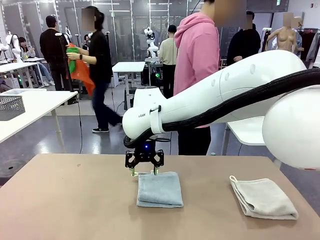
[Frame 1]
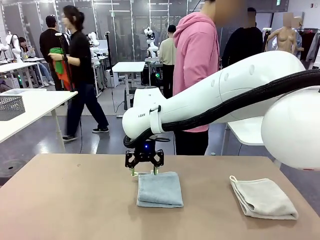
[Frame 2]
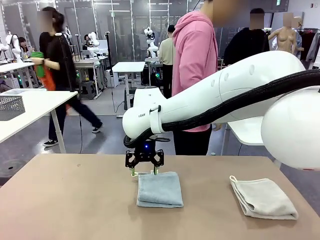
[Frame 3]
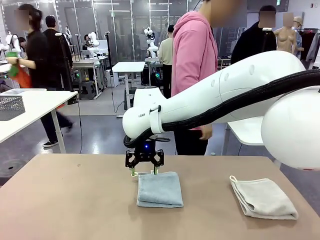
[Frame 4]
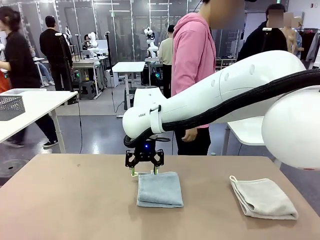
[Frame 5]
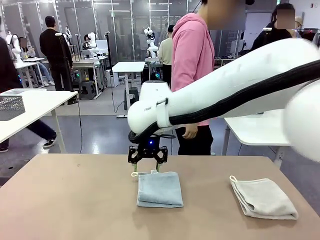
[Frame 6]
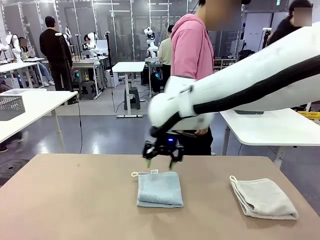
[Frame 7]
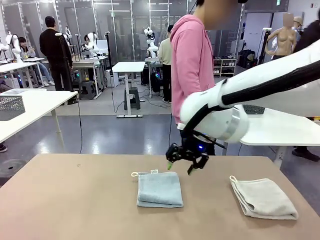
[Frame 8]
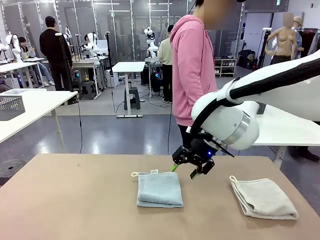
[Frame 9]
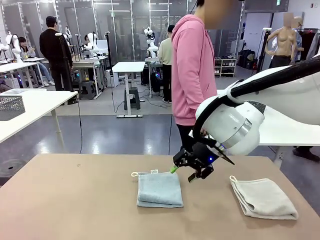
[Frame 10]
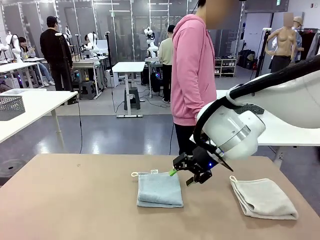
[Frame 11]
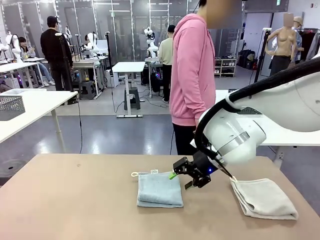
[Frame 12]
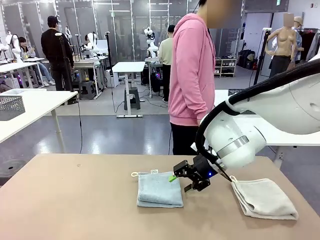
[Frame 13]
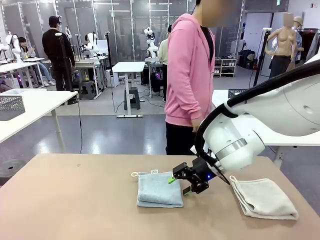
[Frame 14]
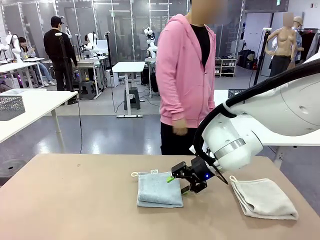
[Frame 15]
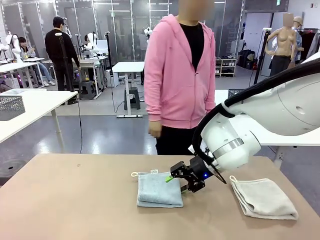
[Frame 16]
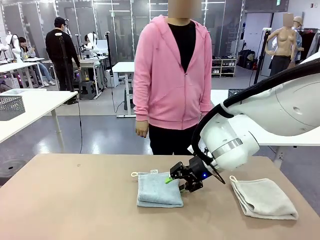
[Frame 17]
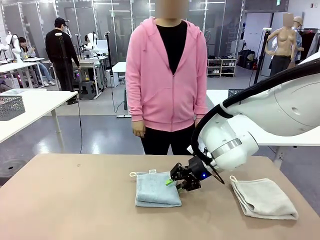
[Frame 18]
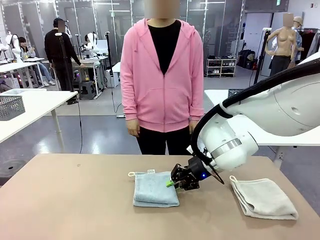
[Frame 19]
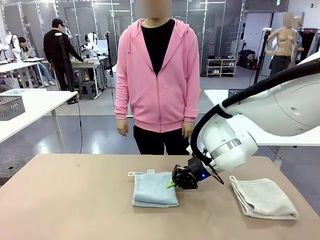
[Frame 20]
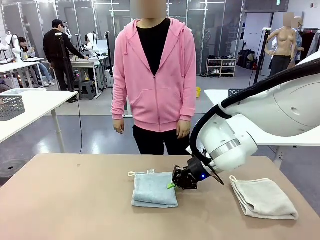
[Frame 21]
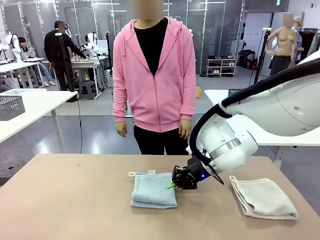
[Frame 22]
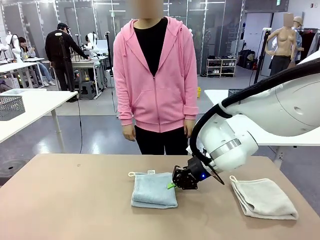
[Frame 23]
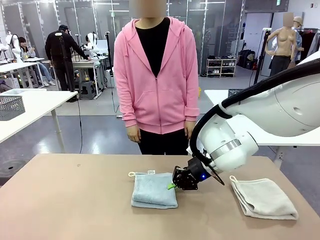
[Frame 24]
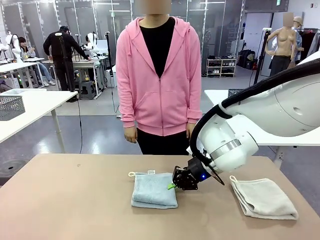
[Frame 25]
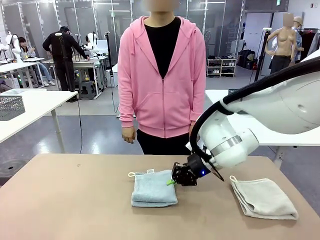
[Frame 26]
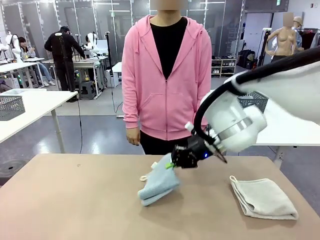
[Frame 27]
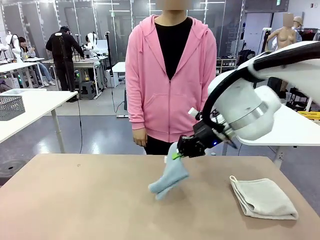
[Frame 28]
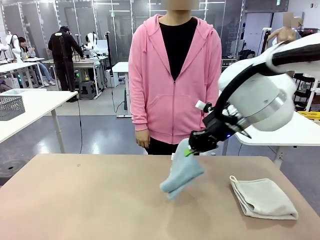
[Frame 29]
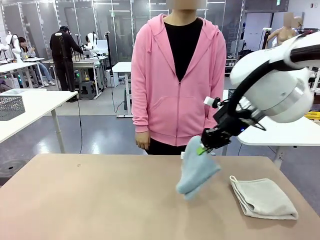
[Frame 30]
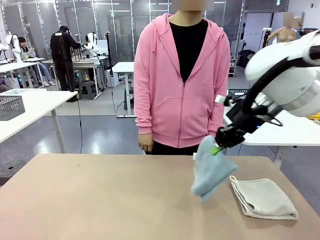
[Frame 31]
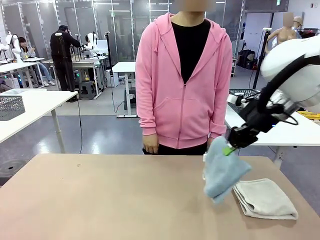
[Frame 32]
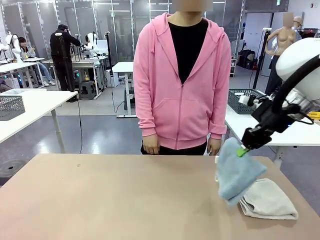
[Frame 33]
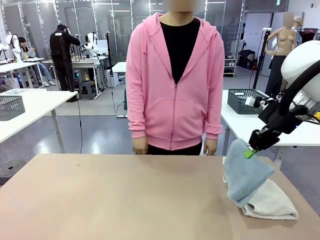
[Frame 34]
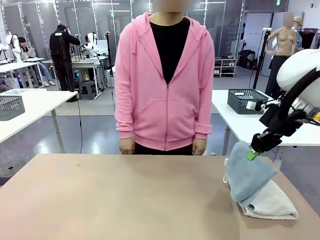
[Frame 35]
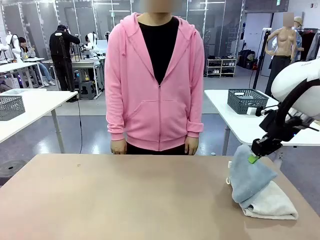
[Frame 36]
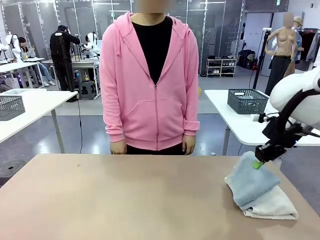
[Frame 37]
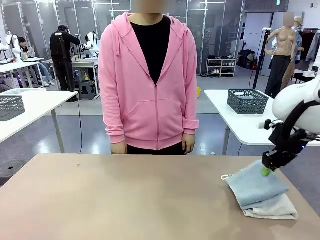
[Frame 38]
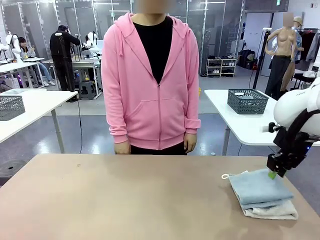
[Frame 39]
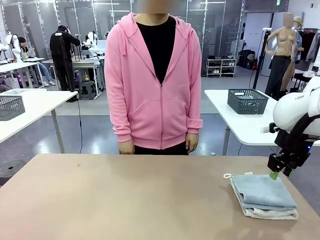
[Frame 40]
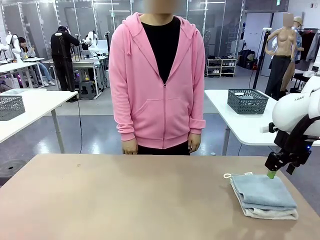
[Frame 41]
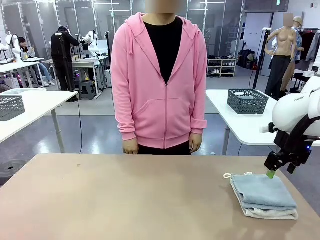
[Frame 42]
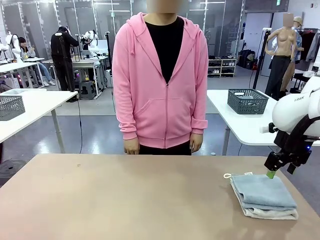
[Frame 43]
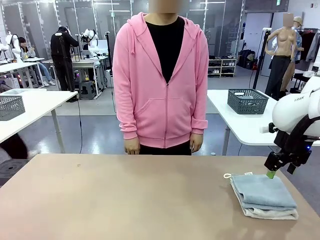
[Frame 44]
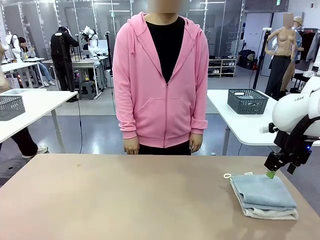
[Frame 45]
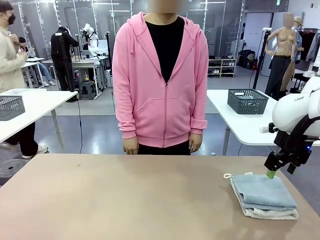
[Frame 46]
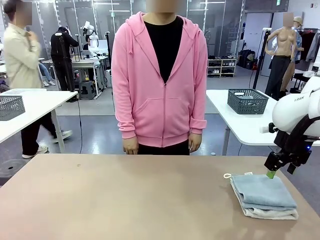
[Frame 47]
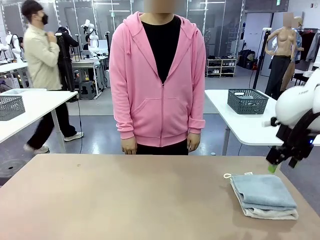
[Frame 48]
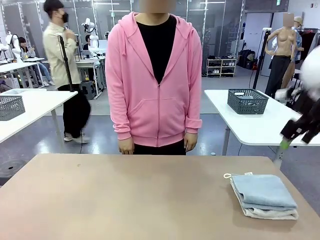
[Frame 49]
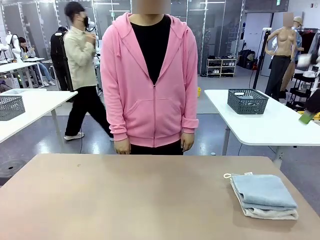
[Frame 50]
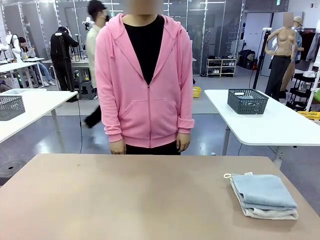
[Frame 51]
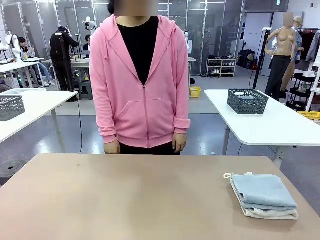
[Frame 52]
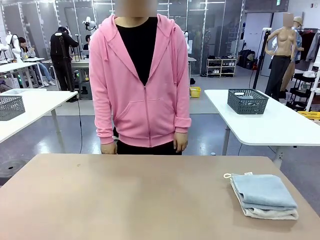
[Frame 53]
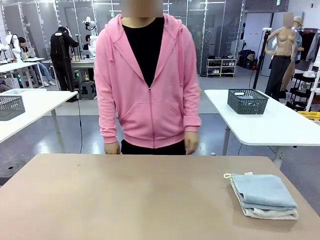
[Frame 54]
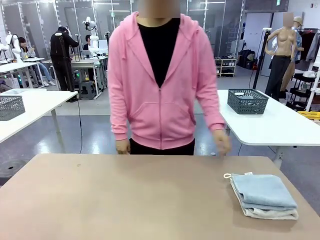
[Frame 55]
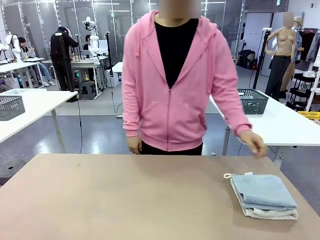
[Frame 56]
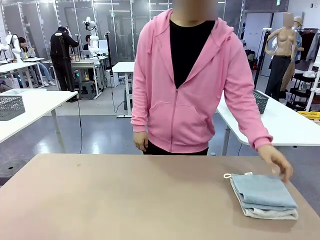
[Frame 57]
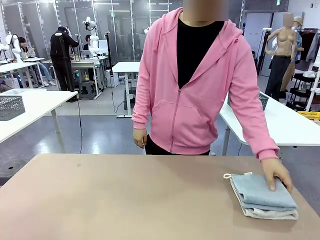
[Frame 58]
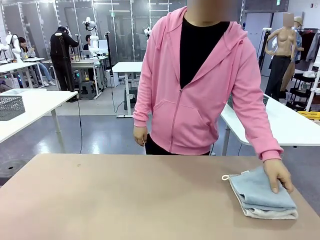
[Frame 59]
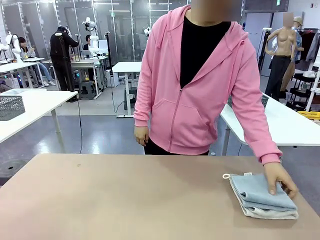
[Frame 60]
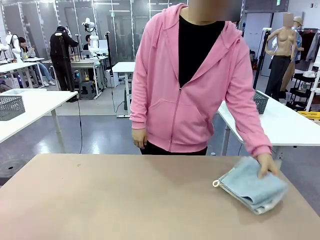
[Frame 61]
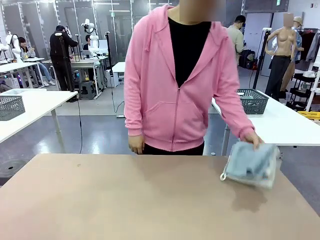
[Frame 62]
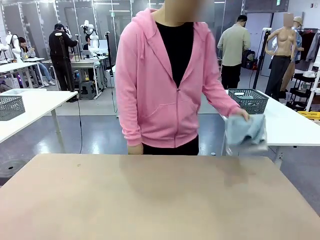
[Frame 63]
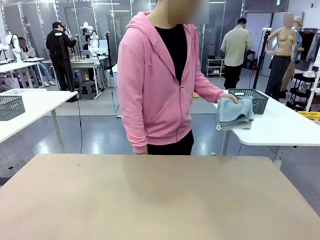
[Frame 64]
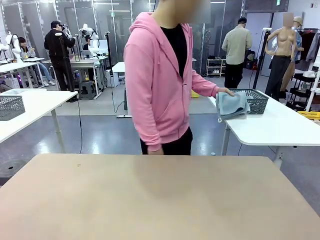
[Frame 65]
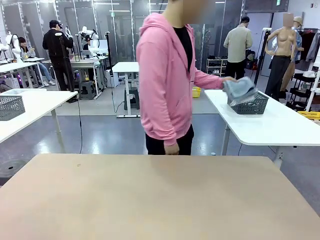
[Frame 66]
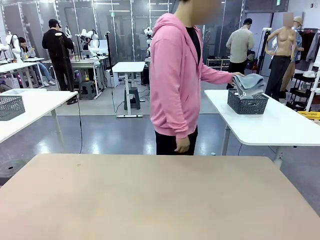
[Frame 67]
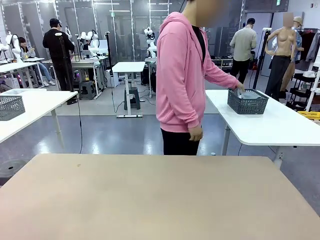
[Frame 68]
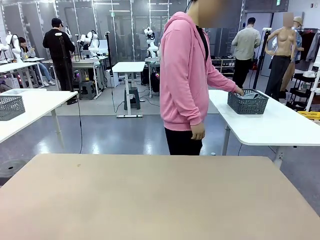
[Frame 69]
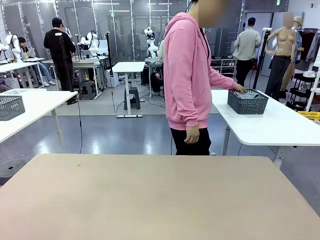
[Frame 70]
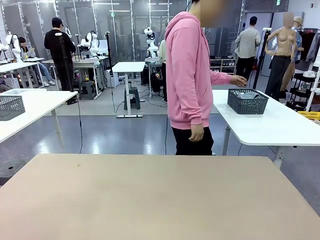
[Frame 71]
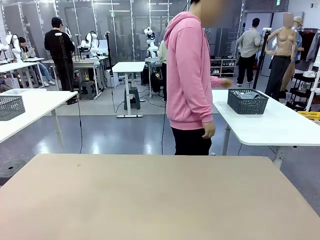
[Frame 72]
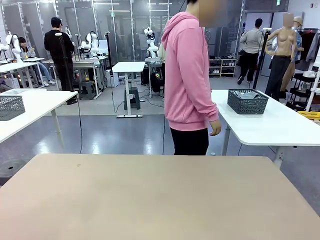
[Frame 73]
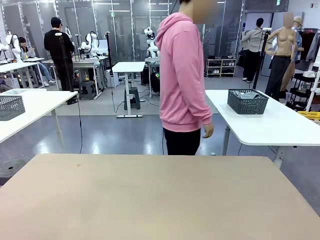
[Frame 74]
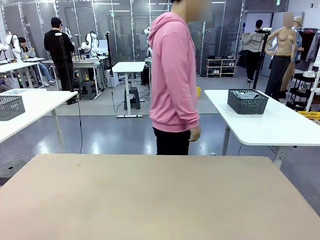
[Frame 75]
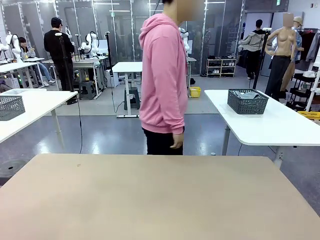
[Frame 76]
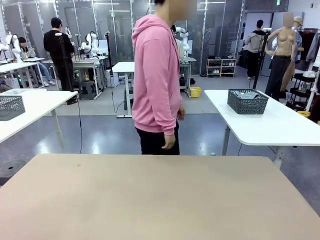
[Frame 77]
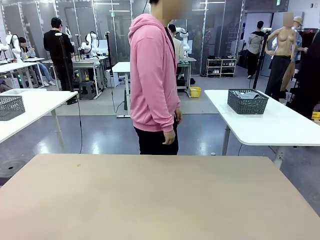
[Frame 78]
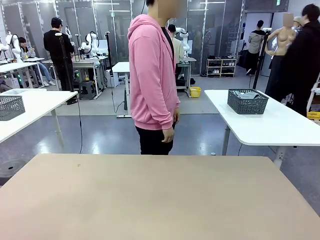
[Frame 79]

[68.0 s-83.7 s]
Task: Fold the towels and place them in the basket.
Robot: Stack the folded Towel with hook on the right side of the table.
Person: Pick up the stack of towels from the robot table and place it into the basket.
